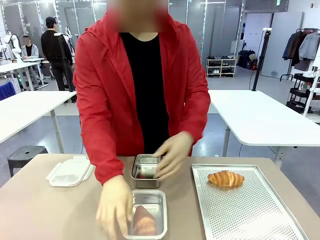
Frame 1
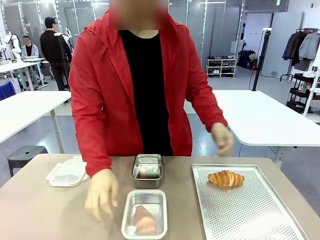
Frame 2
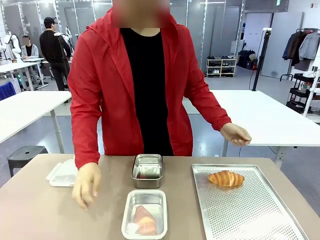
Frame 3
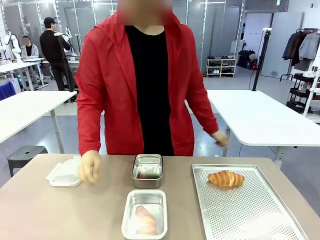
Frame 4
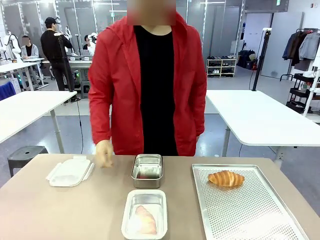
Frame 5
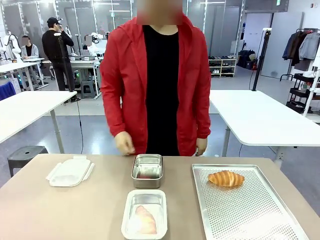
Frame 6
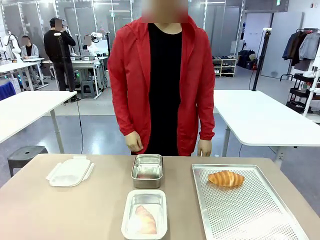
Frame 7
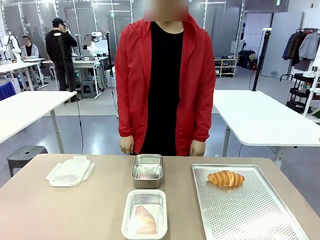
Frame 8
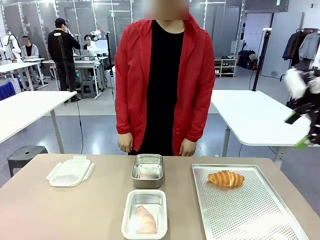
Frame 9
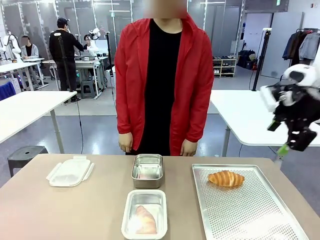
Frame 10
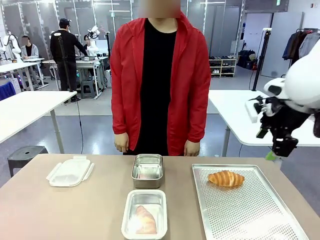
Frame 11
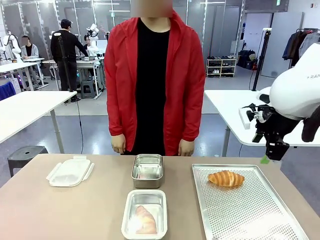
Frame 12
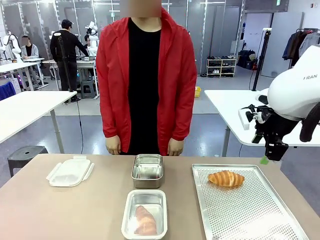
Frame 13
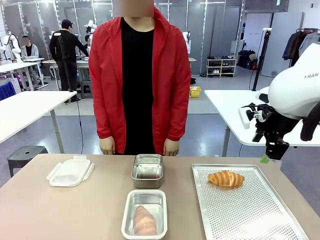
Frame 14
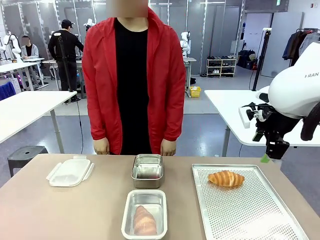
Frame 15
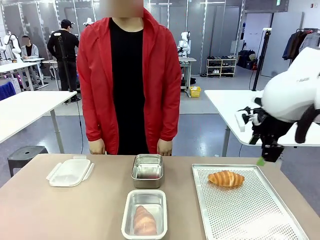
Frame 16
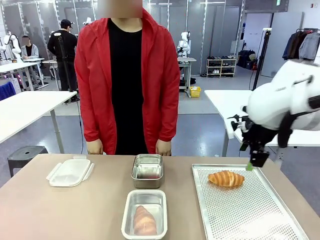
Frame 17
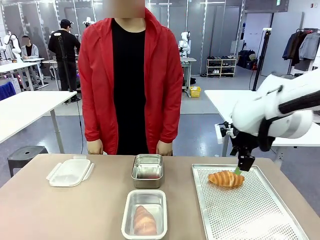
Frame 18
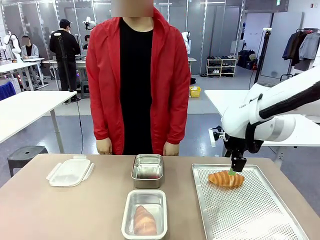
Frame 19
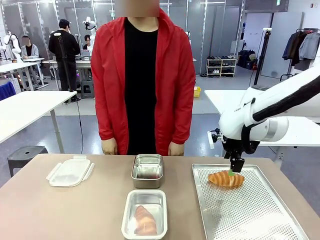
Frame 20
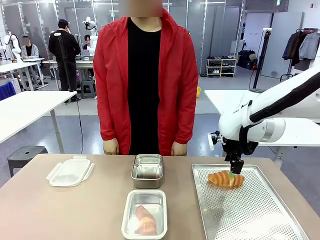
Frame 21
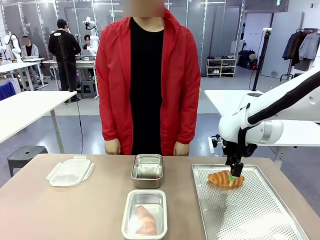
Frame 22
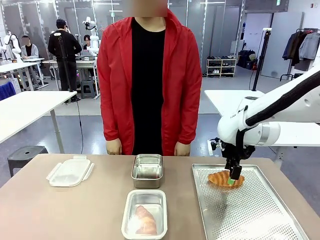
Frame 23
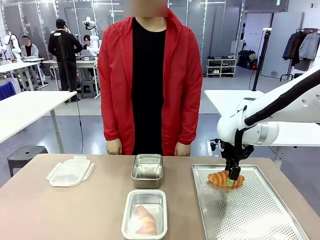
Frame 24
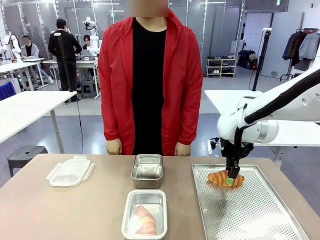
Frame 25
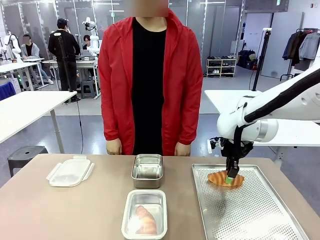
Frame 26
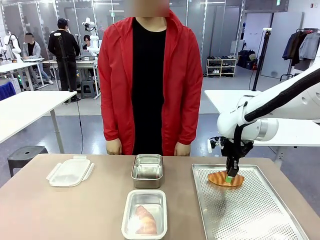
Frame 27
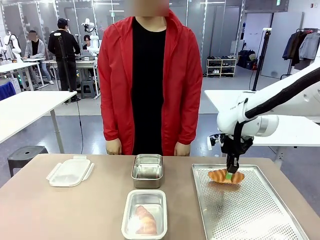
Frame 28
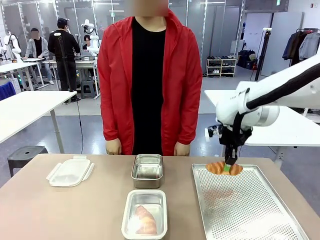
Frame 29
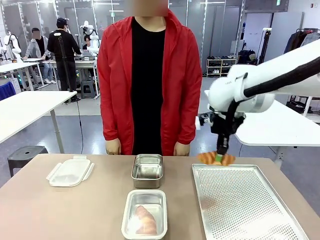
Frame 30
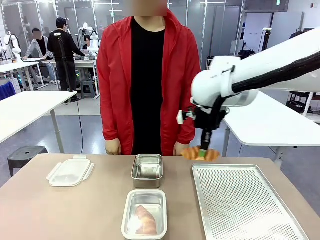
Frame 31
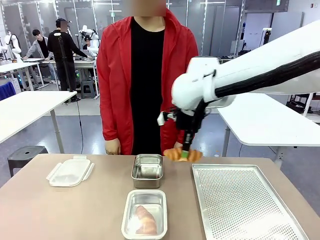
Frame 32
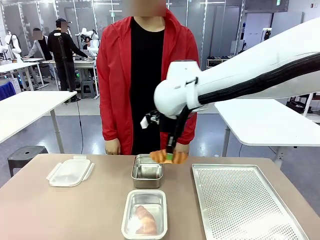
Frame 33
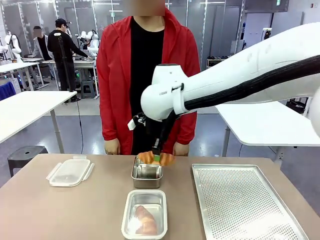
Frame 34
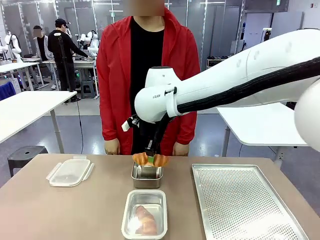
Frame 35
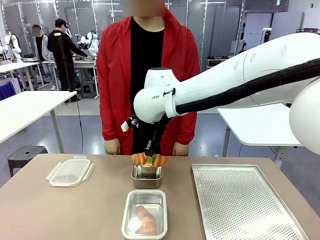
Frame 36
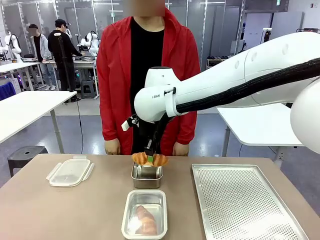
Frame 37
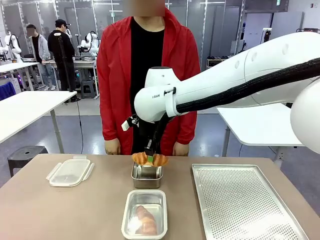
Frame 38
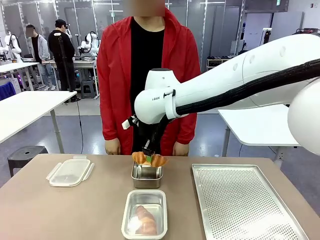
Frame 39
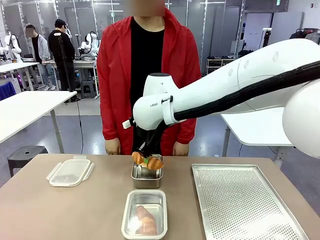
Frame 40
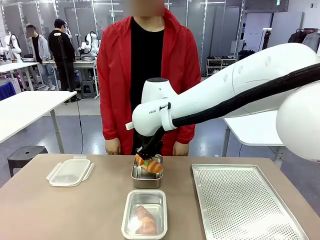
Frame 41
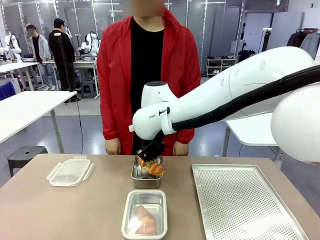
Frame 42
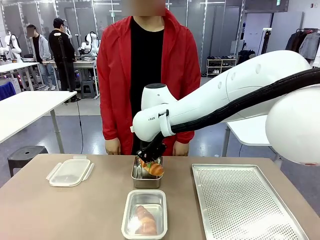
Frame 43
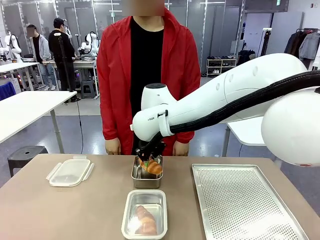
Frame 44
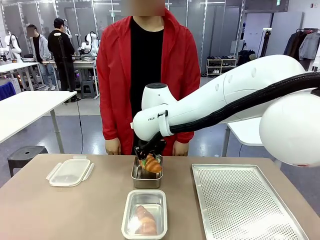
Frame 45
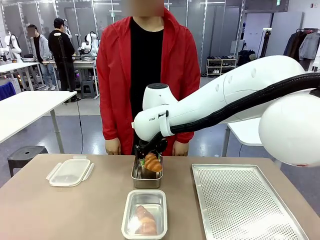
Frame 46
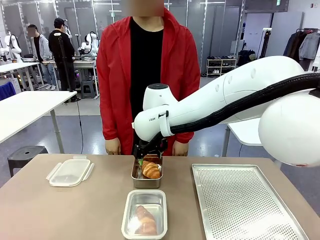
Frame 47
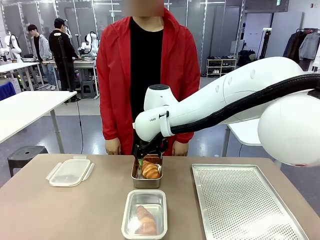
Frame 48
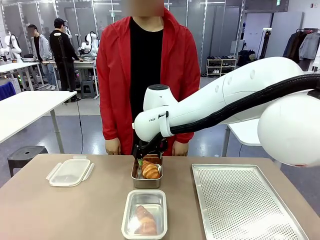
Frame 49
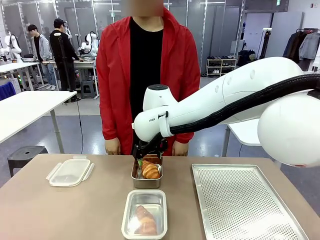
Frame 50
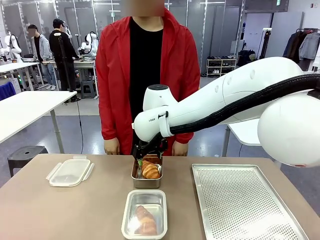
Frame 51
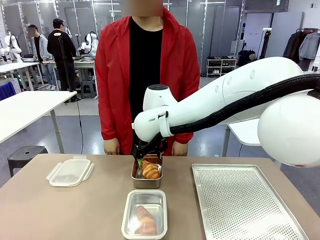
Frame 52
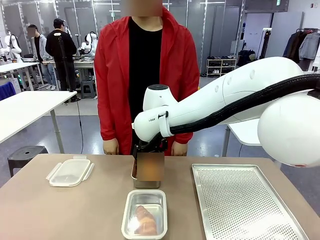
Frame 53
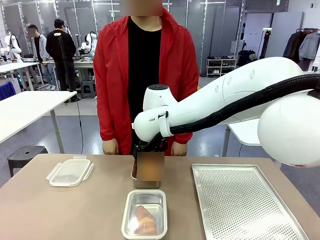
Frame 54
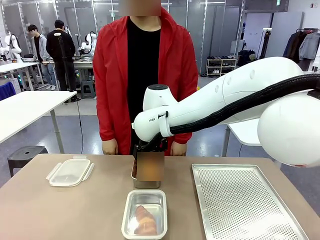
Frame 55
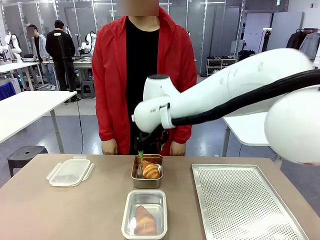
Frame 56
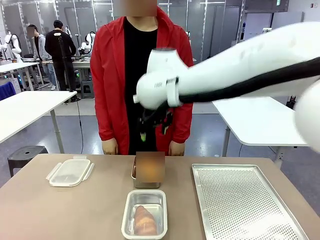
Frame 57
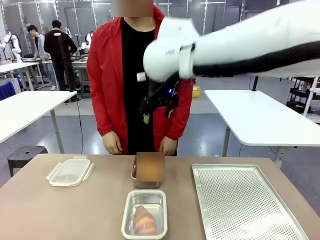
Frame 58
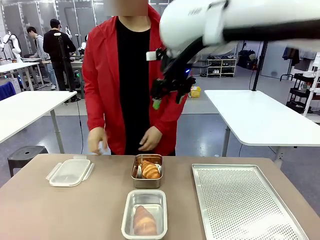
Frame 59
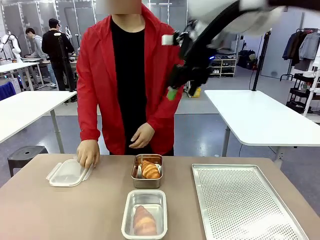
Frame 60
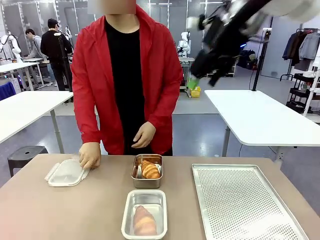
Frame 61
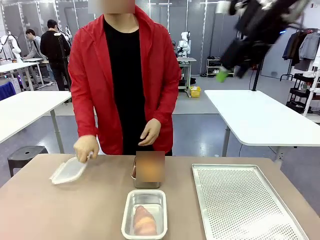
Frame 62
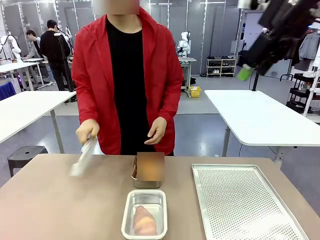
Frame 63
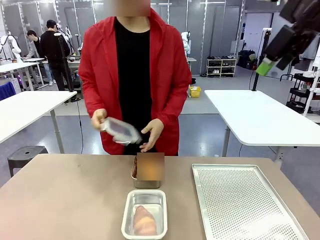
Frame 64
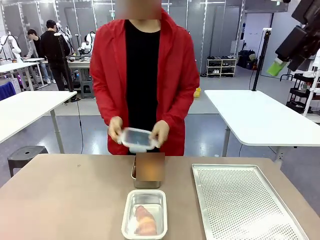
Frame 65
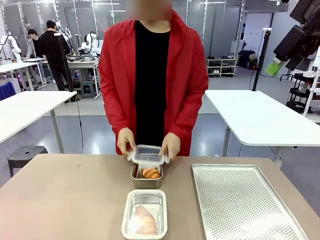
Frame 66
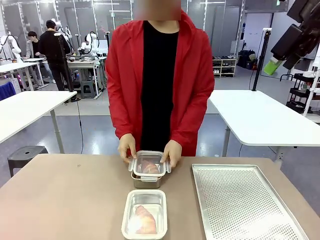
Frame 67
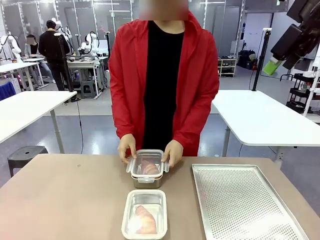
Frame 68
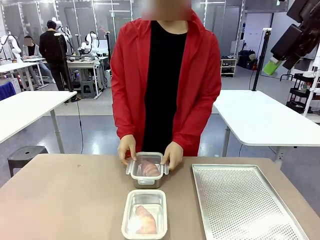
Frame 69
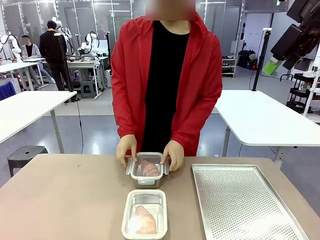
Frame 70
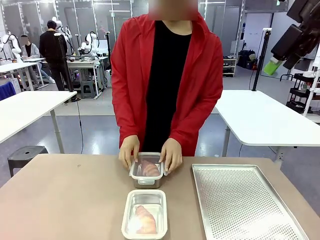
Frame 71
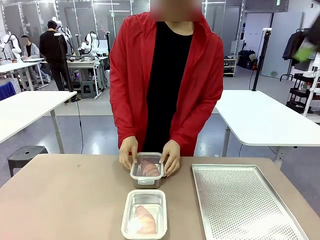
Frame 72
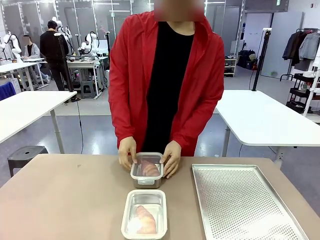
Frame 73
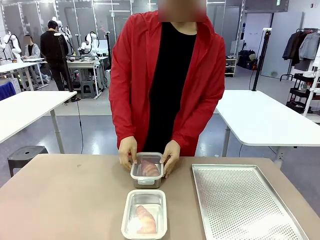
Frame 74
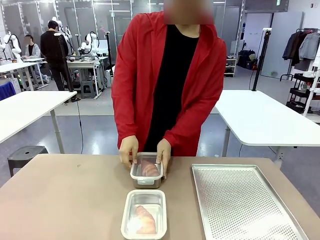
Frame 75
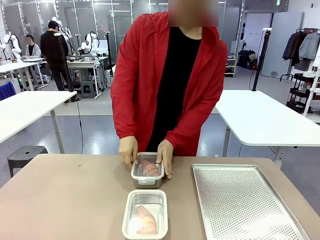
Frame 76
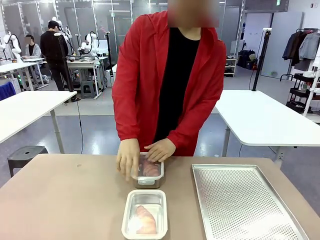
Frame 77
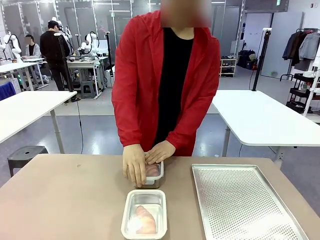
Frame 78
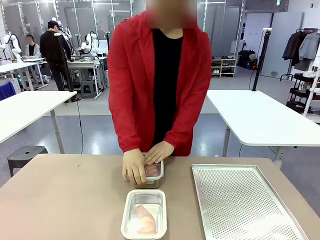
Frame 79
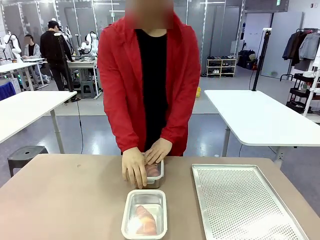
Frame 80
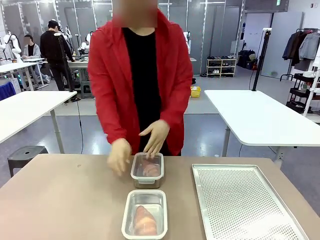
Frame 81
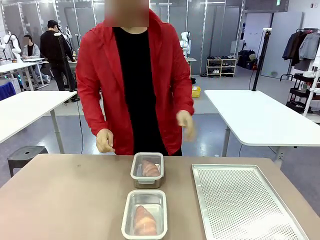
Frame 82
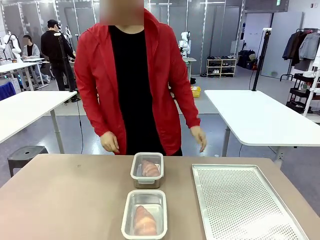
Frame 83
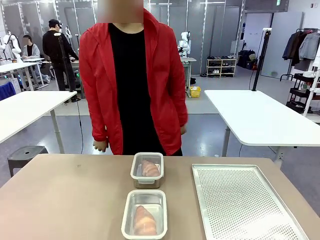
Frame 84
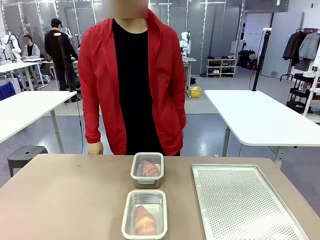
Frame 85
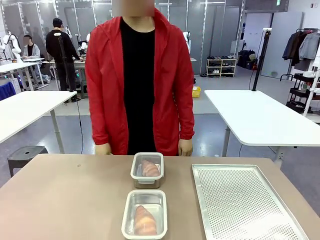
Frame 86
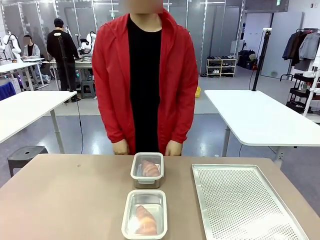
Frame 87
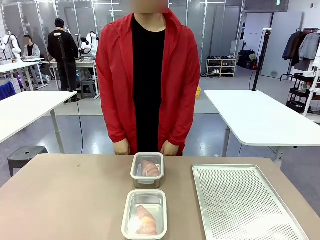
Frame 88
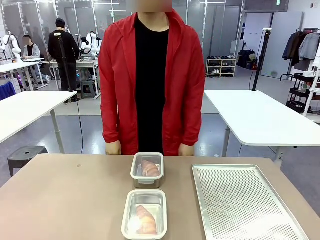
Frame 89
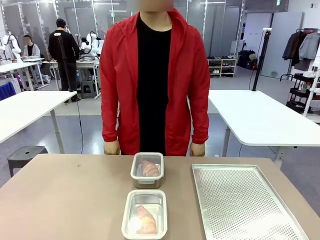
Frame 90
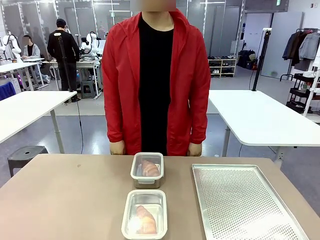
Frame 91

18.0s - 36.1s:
Task: Place the bread into the airtight container.
Robot: Pick up a Butter Roll and place it into an empty Airtight Container.
Person: Once a Butter Roll is inside an Airtight Container , close the lid of that Airtight Container.
